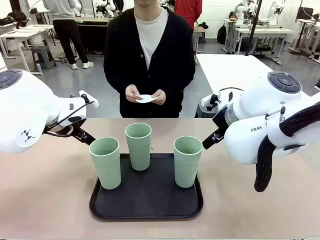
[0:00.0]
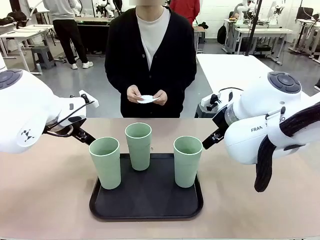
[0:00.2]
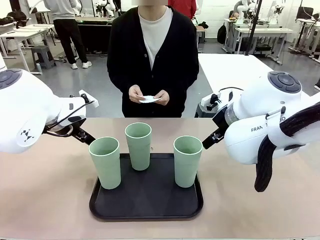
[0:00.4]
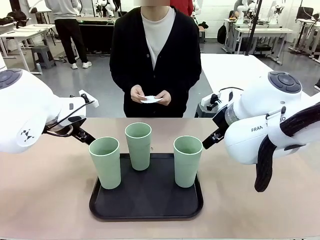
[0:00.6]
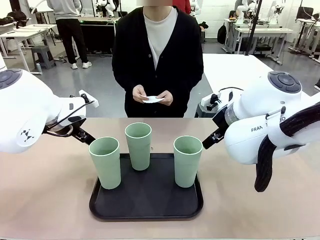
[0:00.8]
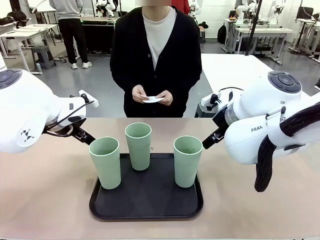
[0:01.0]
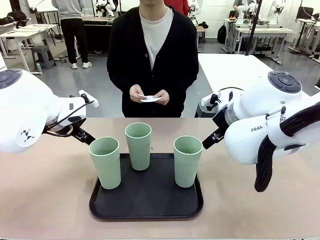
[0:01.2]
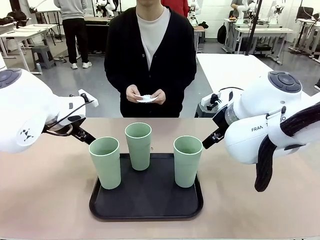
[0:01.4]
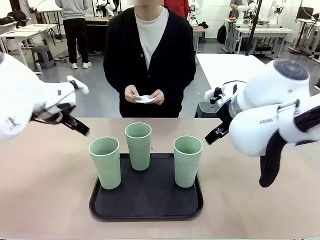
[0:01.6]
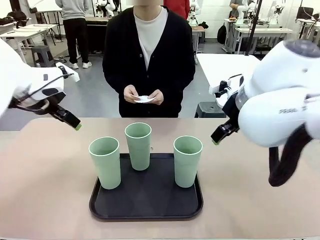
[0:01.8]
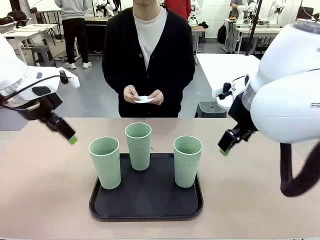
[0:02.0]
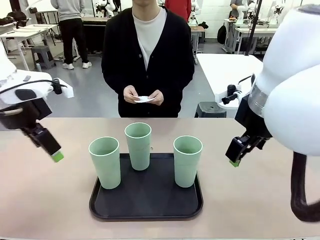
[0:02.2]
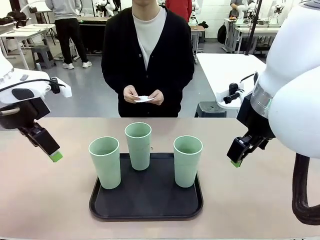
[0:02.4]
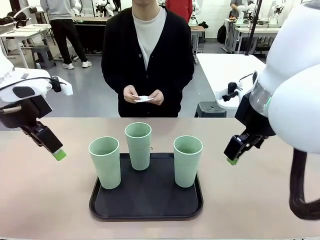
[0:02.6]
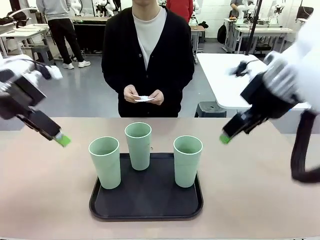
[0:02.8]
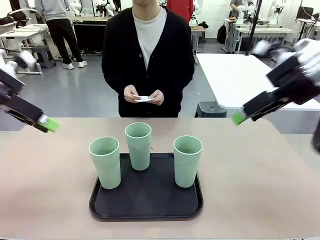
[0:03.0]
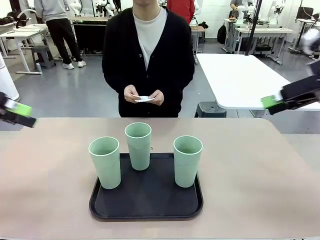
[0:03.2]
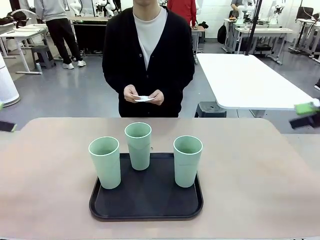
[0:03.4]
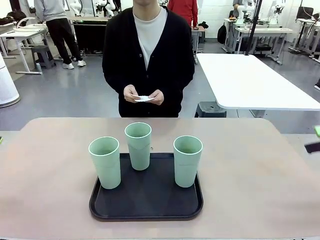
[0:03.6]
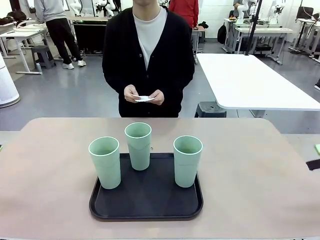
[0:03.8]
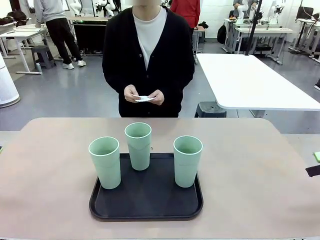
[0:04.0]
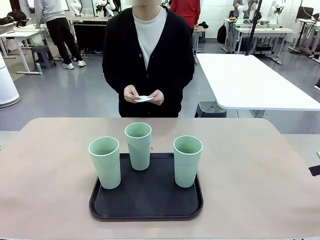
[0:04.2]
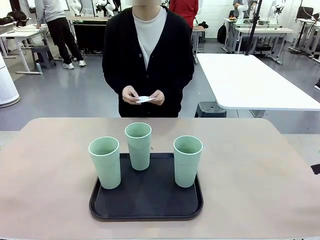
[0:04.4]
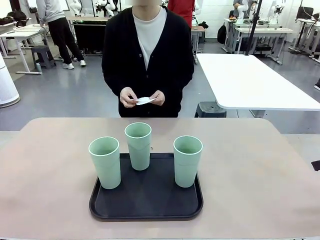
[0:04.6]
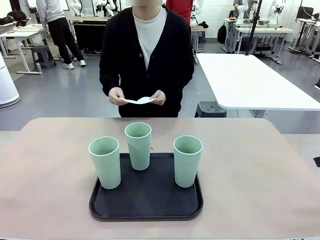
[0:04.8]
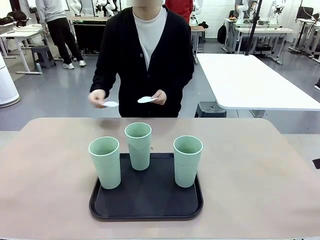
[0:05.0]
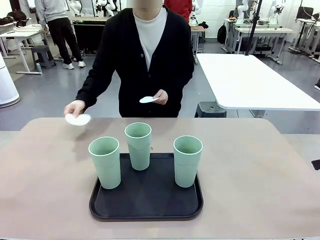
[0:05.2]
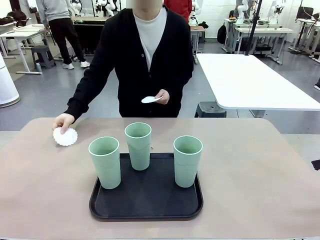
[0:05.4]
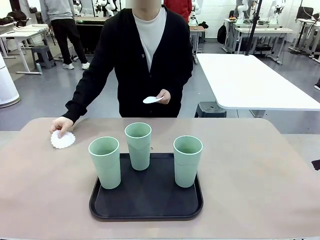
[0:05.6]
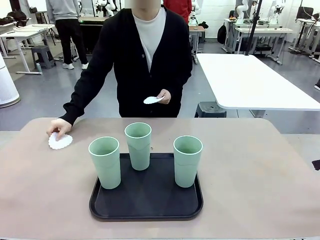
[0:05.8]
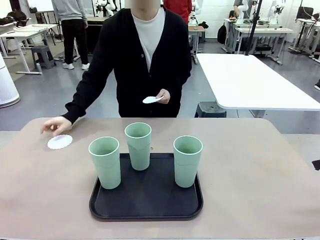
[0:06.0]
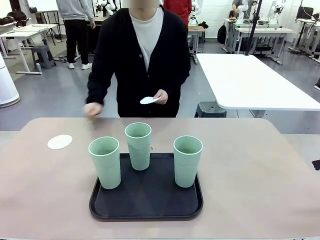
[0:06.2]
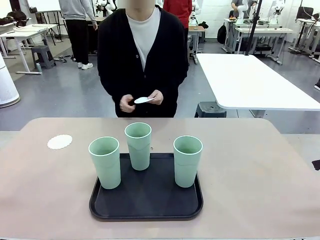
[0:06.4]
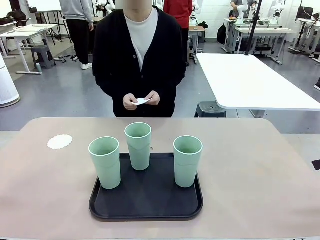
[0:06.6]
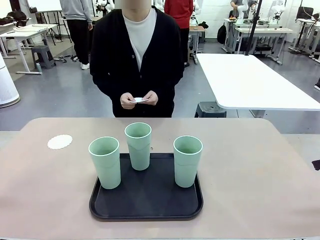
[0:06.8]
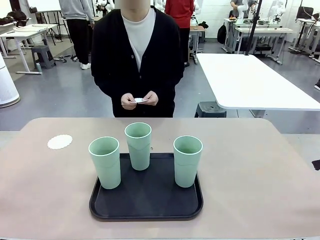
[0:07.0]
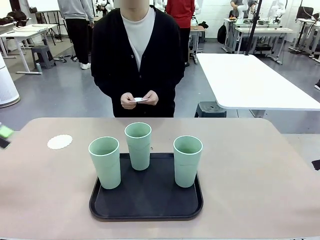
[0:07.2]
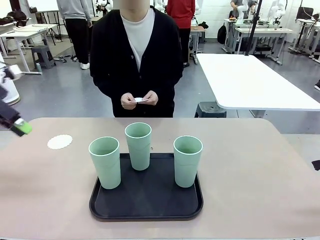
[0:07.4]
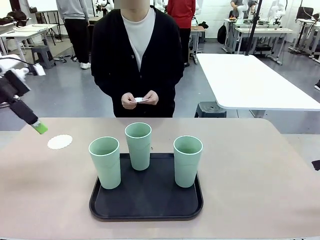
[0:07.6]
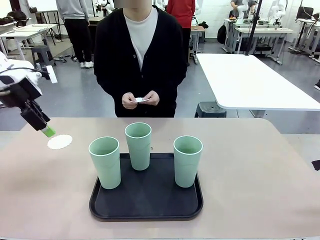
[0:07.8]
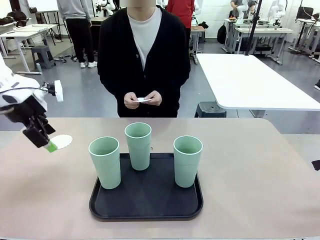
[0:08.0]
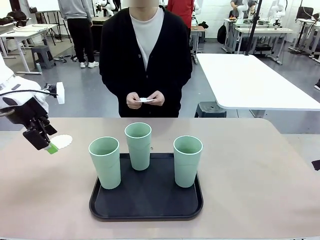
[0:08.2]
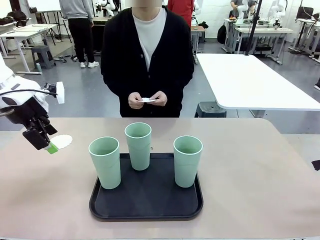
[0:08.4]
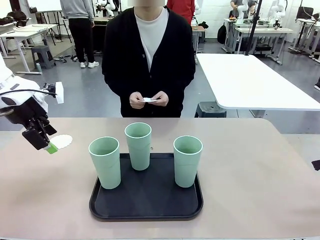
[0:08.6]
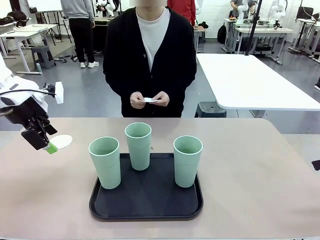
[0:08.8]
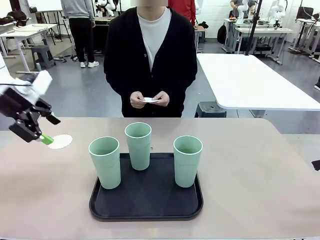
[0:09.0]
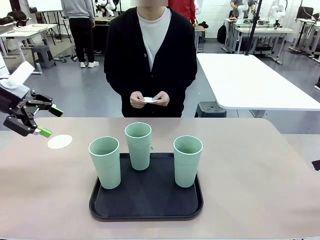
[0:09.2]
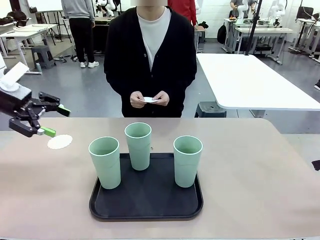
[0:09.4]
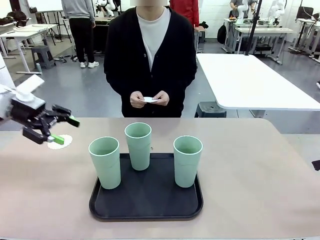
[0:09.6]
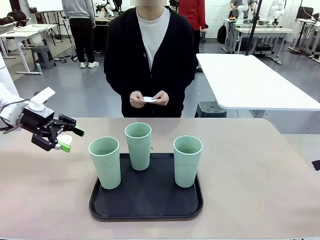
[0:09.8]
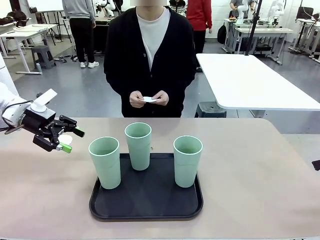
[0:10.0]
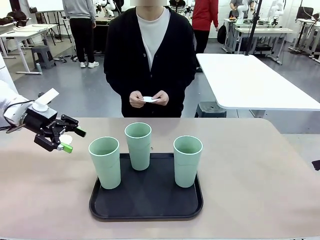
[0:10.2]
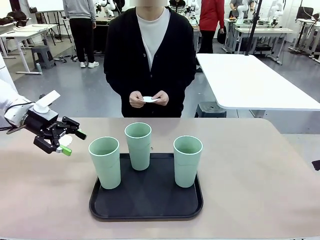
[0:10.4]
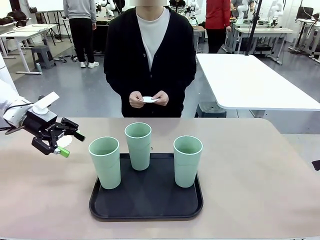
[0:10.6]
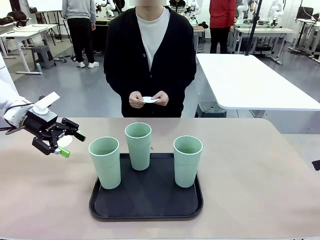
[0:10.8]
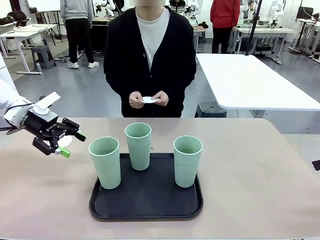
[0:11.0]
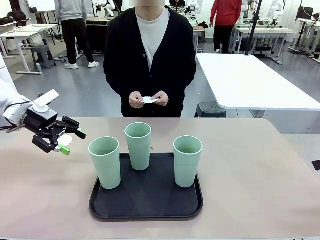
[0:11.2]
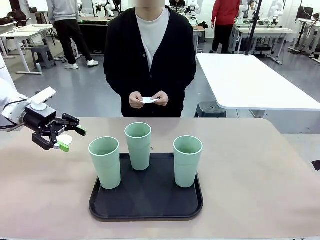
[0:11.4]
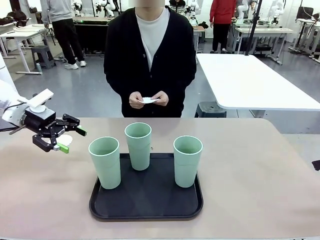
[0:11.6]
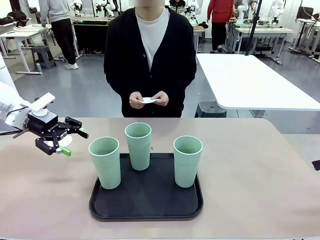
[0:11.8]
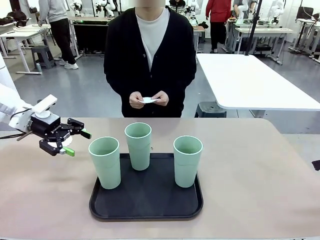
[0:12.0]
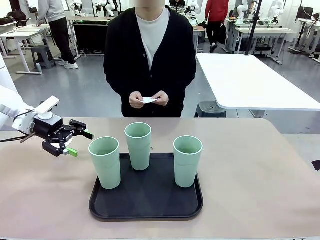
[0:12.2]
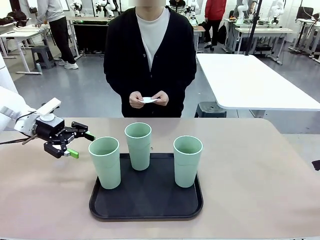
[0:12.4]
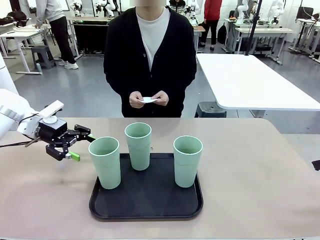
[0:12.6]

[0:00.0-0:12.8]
Task: Place coasters on the table and set cups on them.
Robot: Pick up one Reusable plastic cup and place it on a coaster set by the human.
Person: Place one coaster in any one of the three lower areas of the robot table (left, center, or right).
